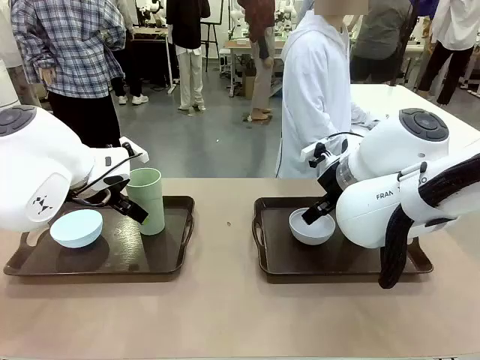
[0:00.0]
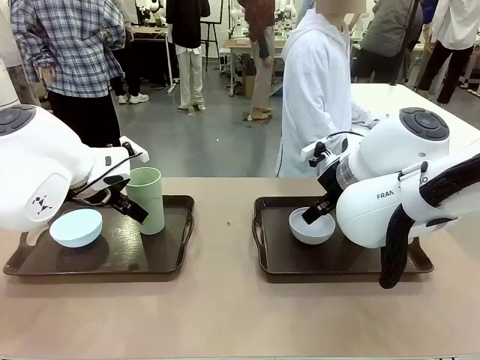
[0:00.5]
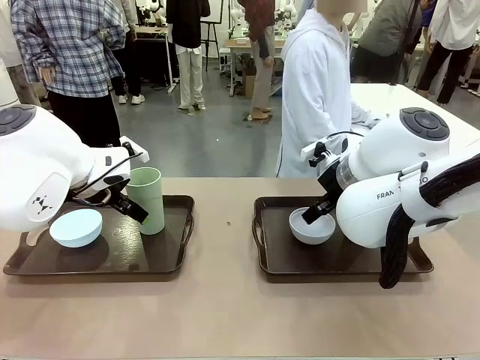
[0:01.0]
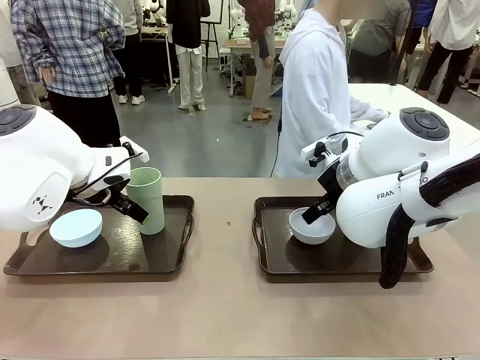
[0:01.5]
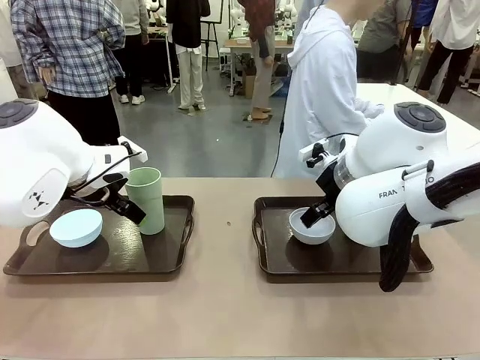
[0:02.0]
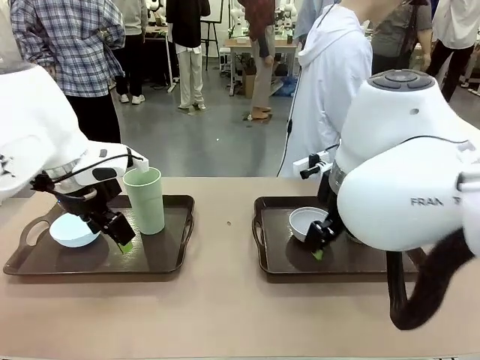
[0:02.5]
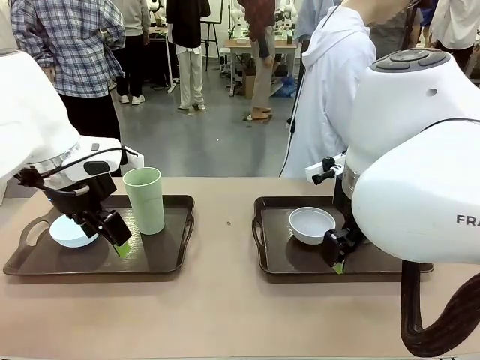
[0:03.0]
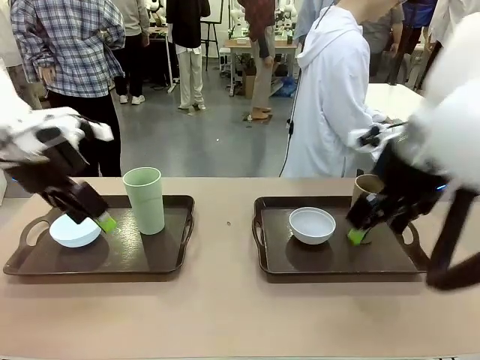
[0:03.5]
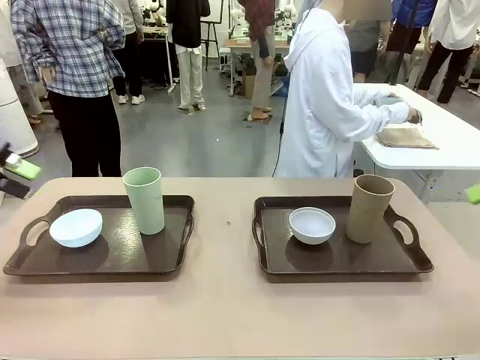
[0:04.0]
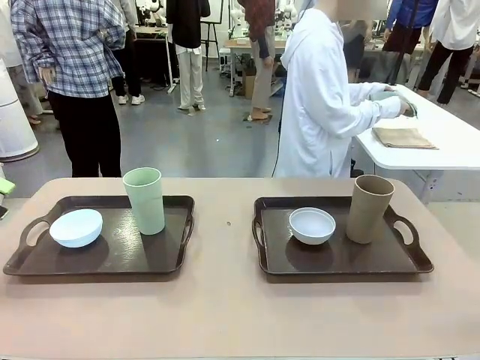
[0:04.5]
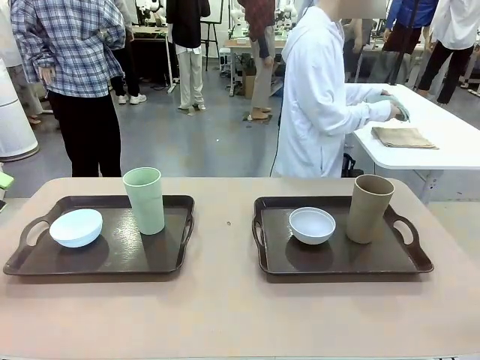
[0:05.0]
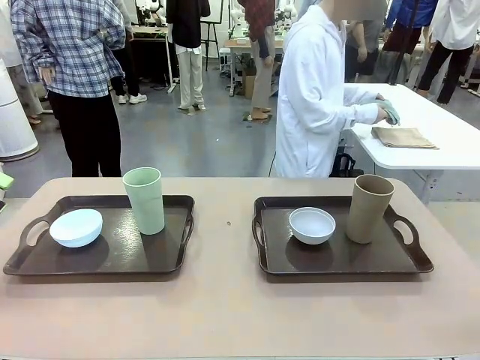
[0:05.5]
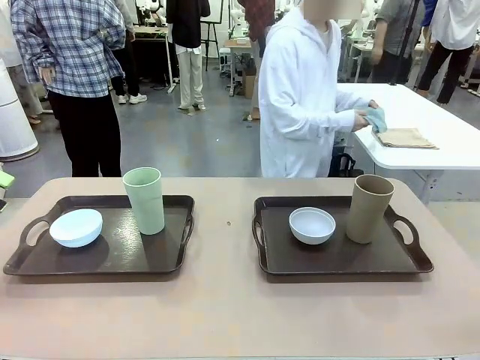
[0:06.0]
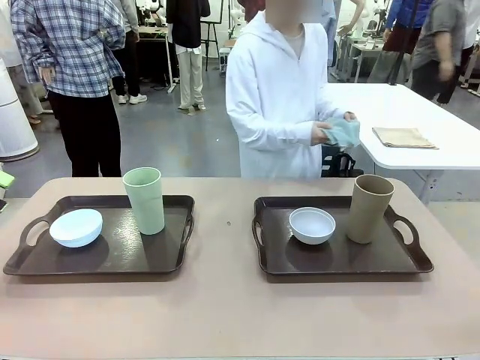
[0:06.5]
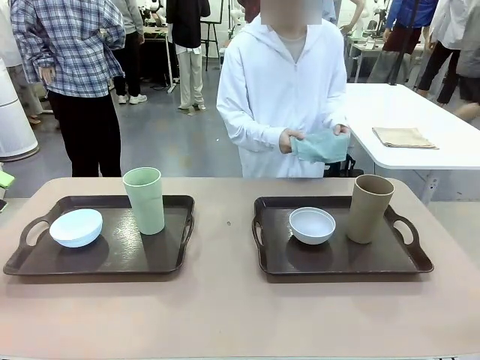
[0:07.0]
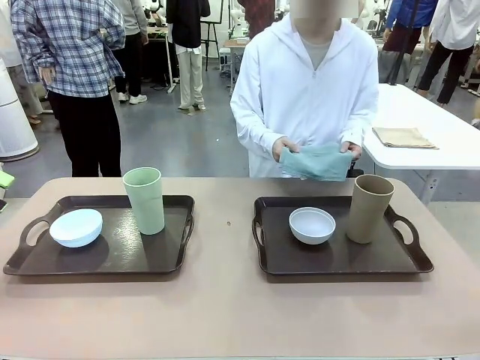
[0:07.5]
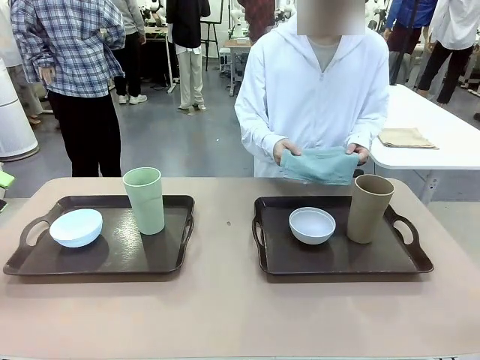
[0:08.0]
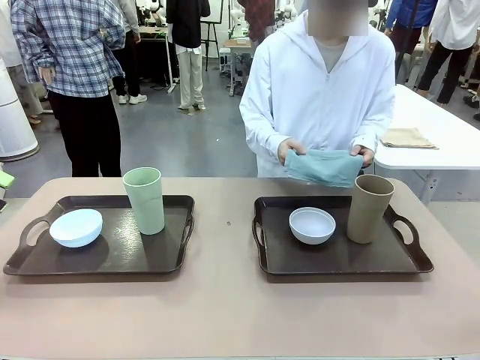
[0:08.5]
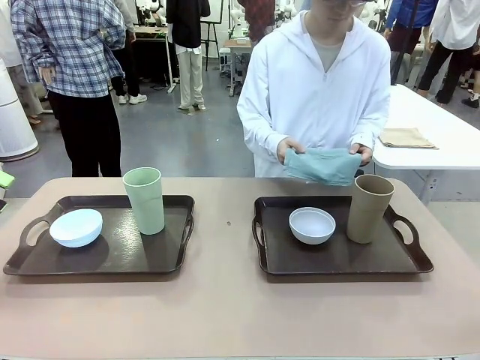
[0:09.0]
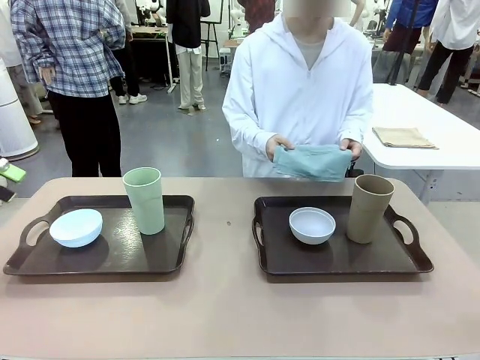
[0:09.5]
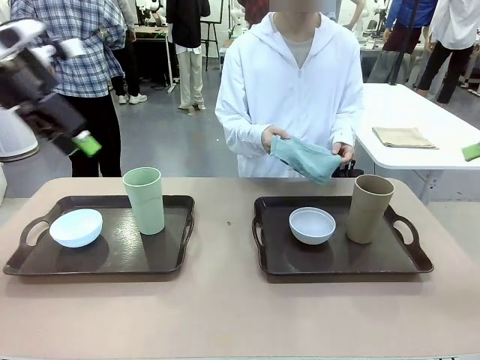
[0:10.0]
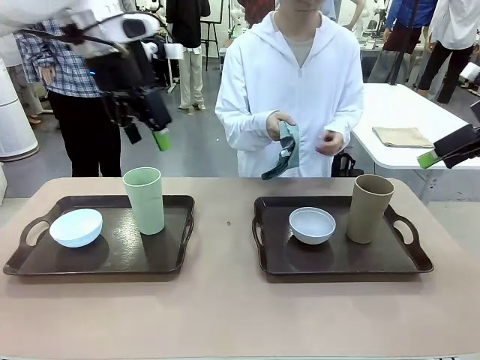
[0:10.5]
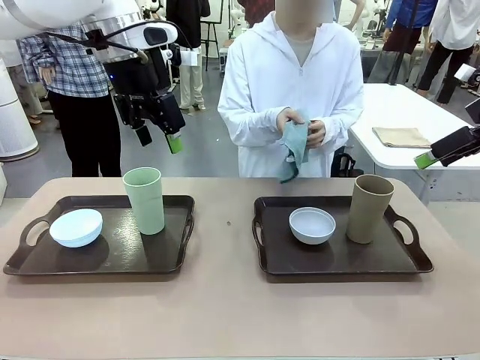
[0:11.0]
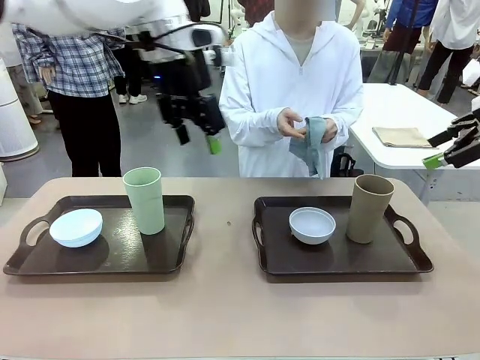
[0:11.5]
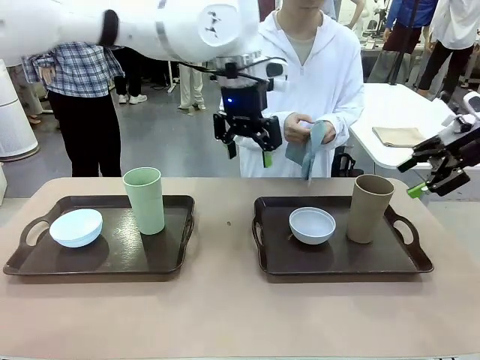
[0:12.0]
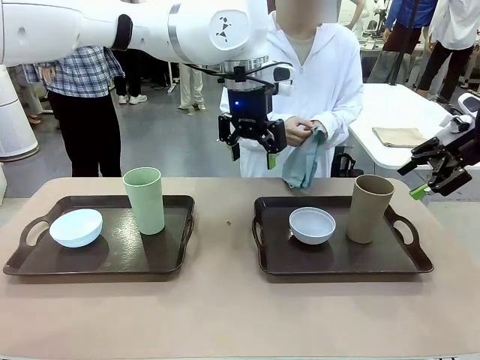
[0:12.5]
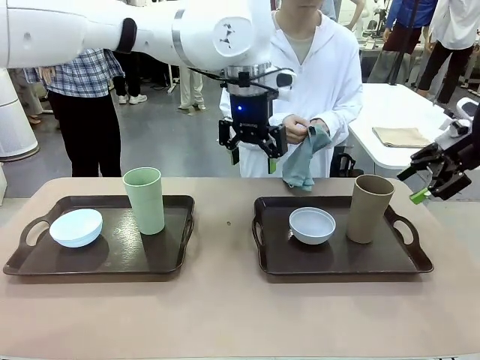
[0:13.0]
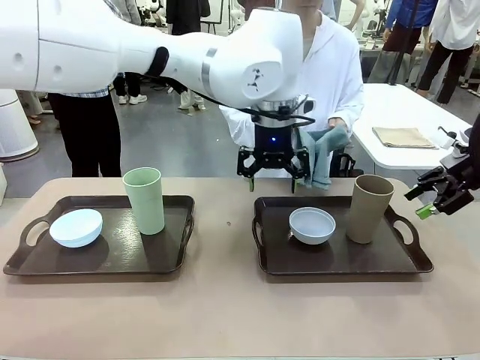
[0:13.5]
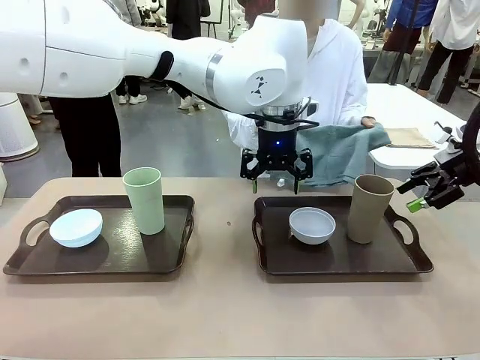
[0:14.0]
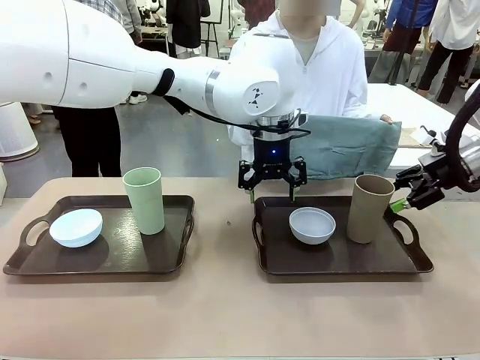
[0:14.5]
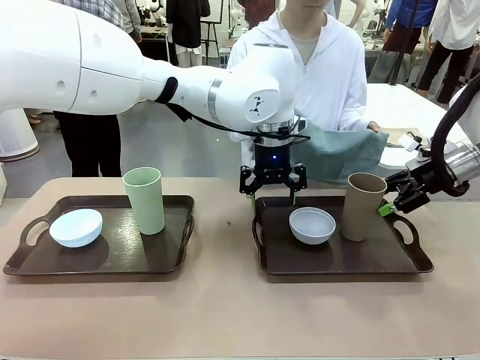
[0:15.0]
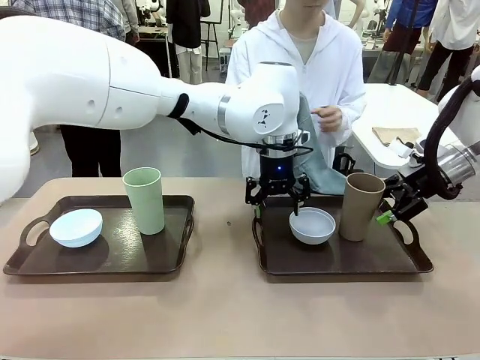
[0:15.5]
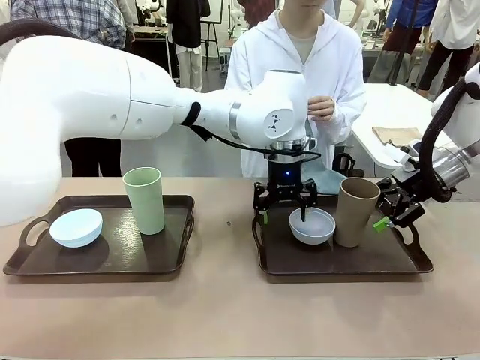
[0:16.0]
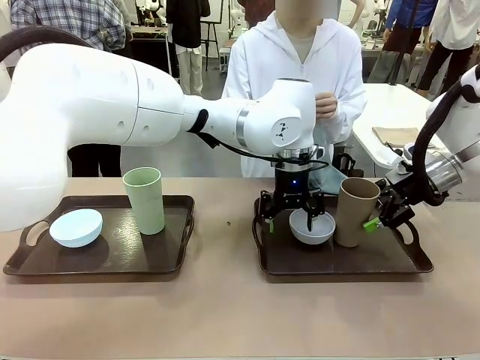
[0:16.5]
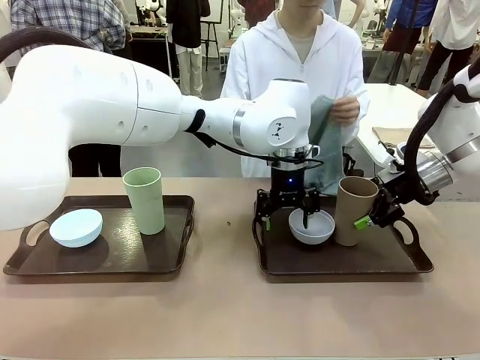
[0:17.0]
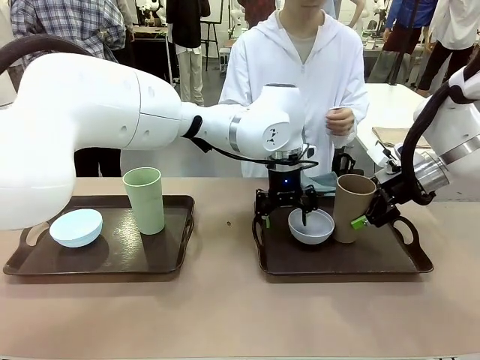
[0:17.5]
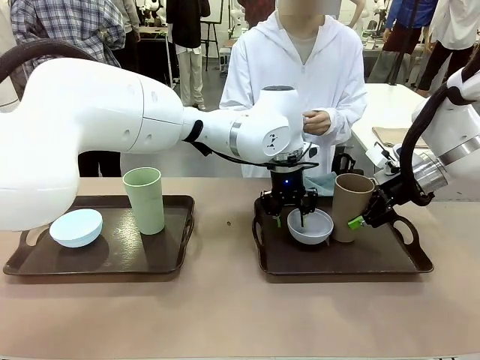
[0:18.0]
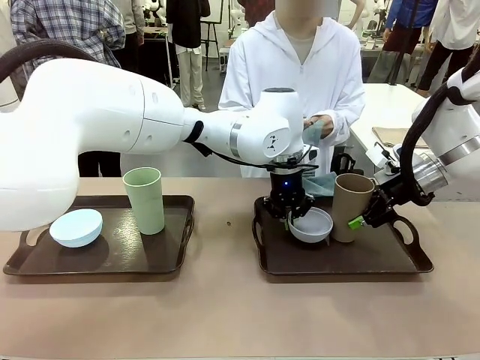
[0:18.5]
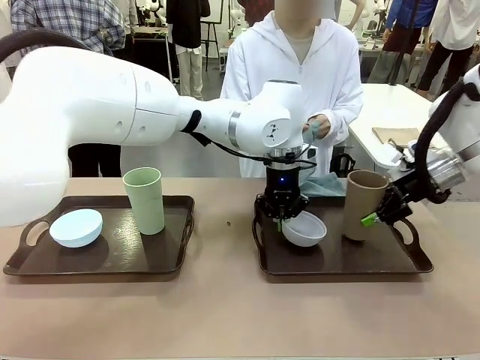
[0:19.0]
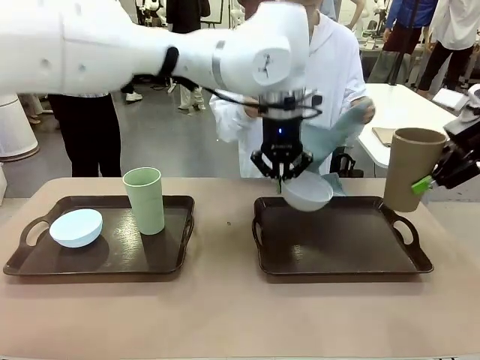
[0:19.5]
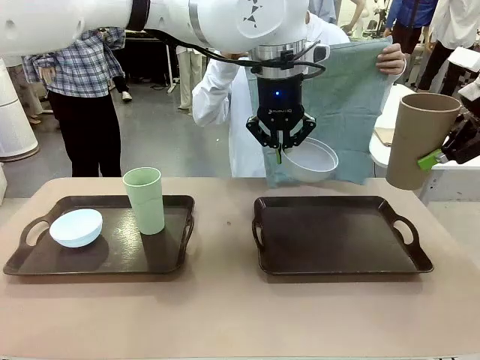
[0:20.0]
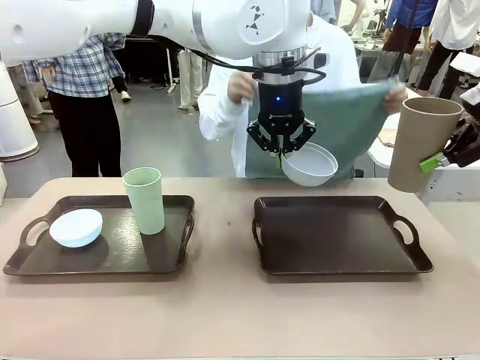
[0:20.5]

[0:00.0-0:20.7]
Robot: Pick up the Picnic Bowl and Reusable plastic cup from the Handle tray in front of the human's position and hold them in the air.
Person: The human picks up the top napkin from the stack on the human table and walks to the robot table to stand in front of one of the two trays. When the robot lifts the bowl and the cup, the human unfolds the napkin and lays the napkin flat on the tray.

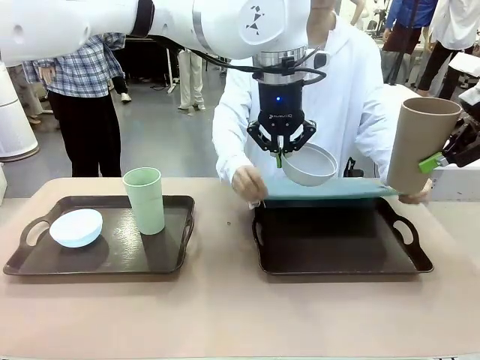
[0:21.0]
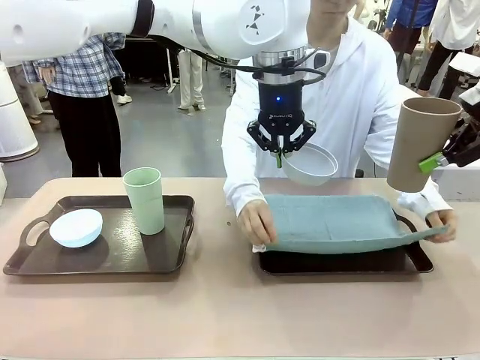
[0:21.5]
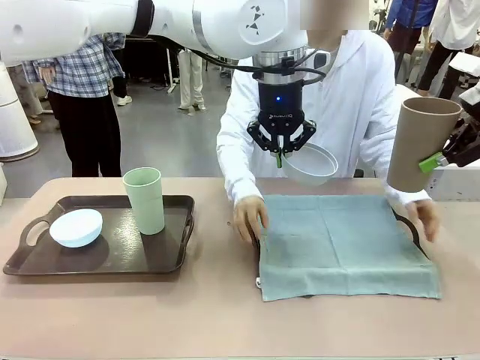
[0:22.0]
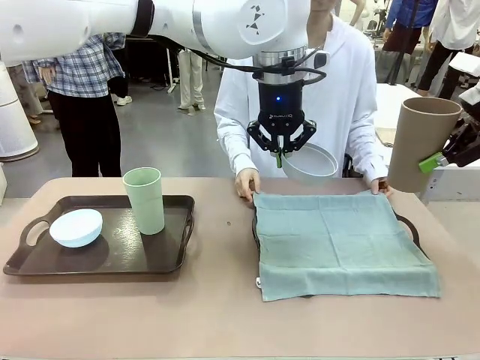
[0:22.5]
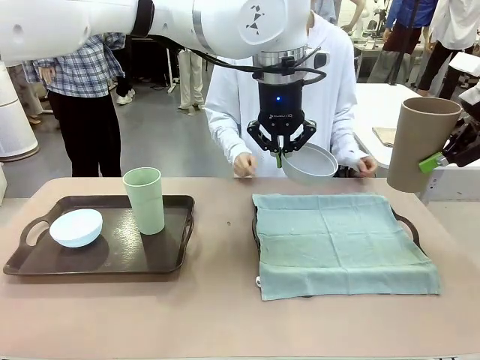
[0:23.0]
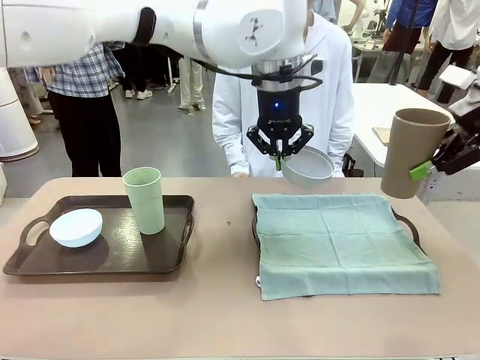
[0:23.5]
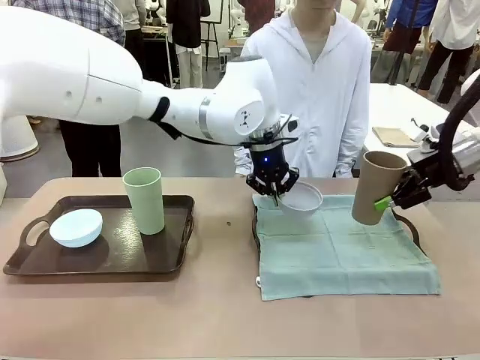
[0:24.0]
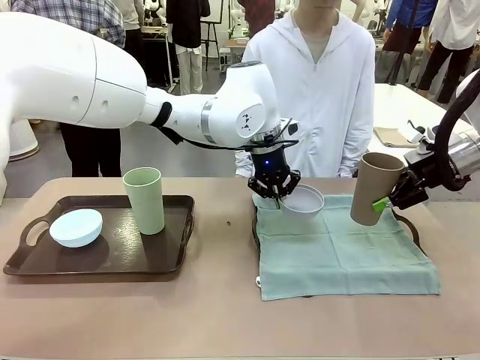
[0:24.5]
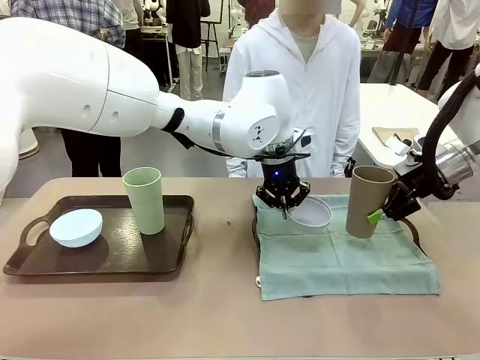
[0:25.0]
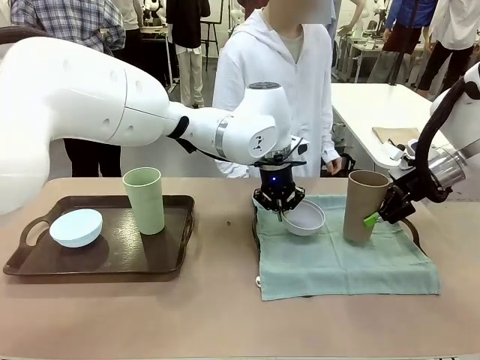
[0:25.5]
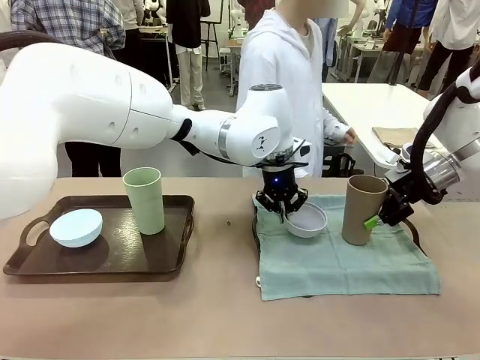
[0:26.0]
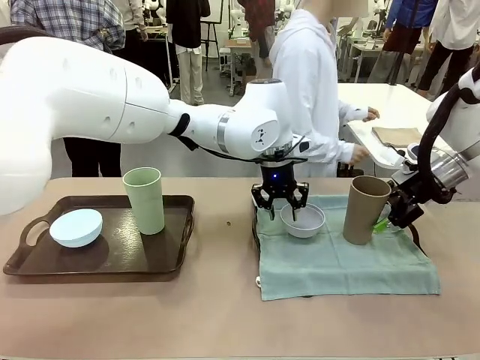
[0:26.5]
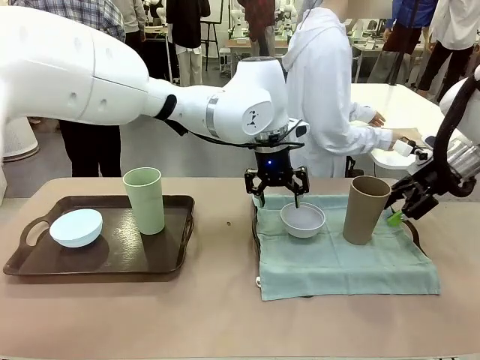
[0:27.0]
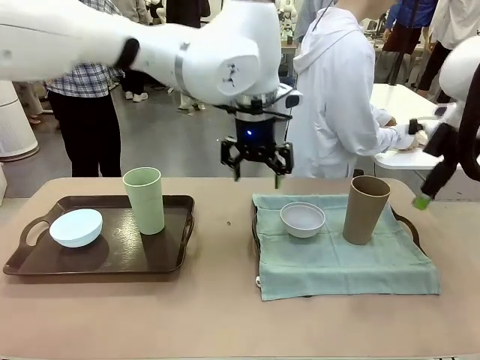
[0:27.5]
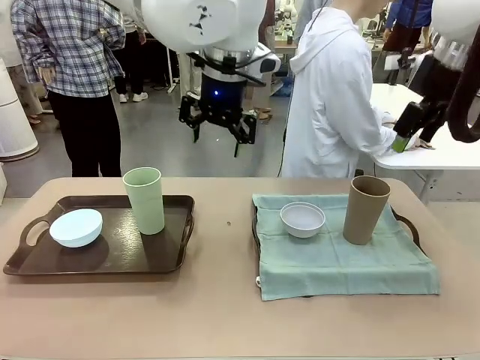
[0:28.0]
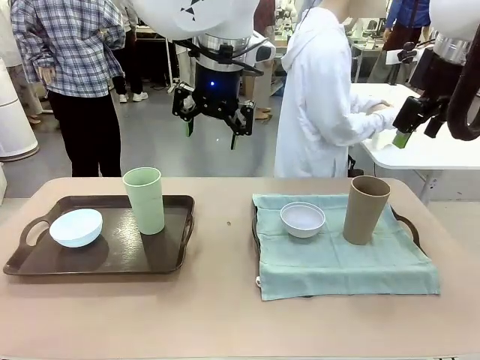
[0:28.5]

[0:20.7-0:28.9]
Robot: Place the Picnic Bowl and Reusable plastic cup back onto the Handle tray in front of the human's position.
